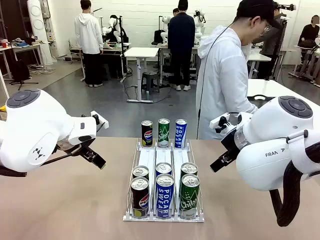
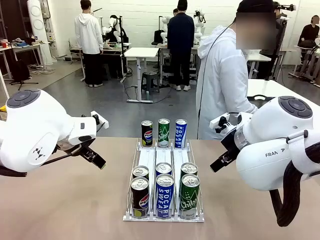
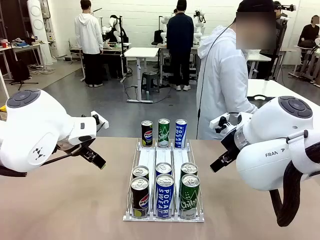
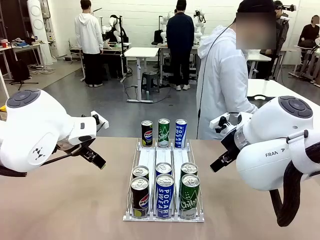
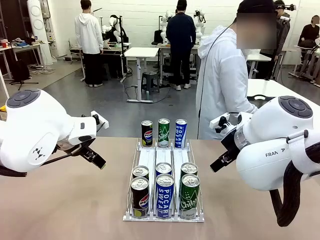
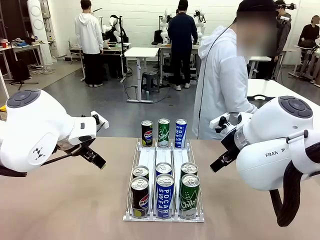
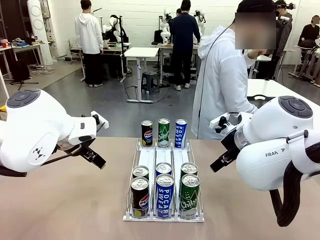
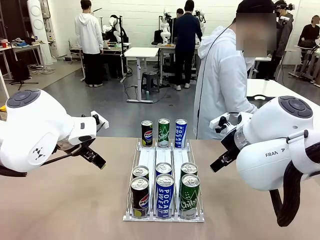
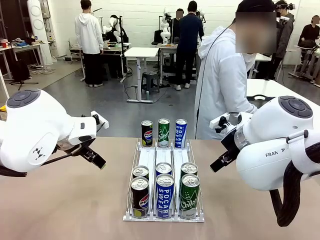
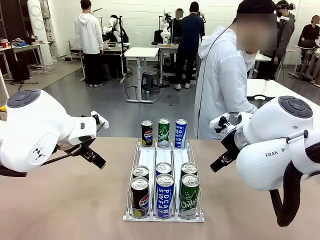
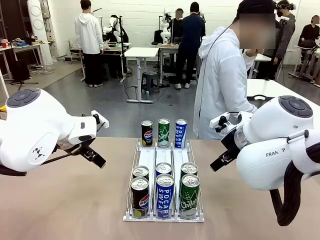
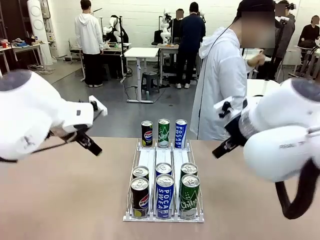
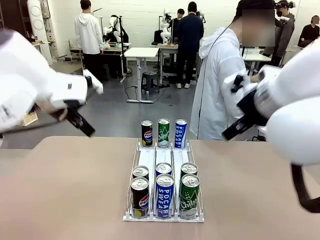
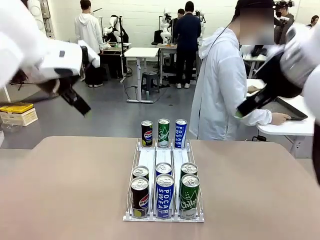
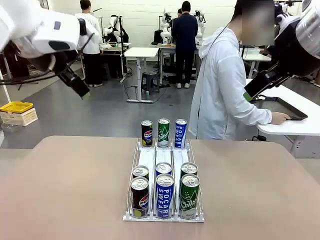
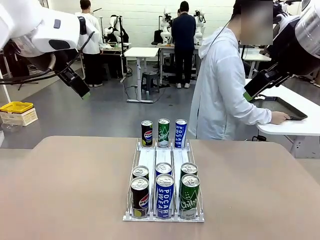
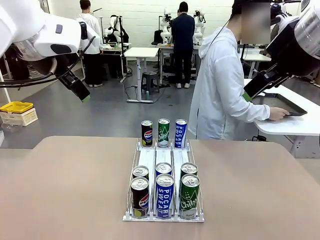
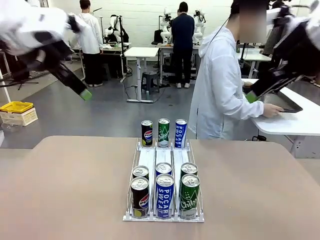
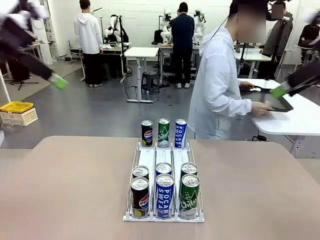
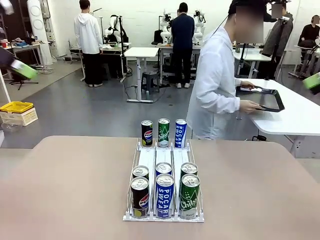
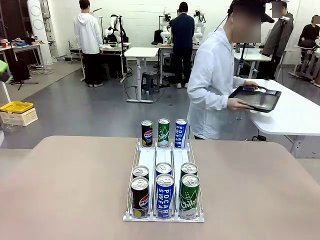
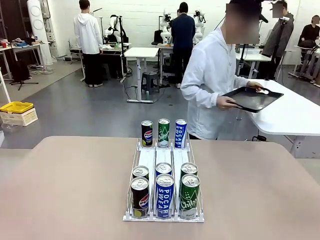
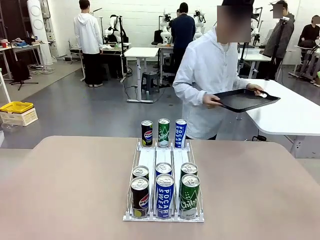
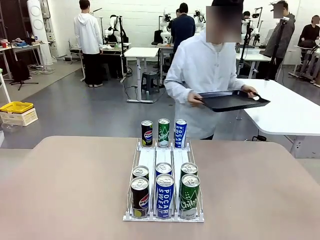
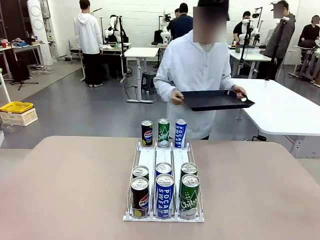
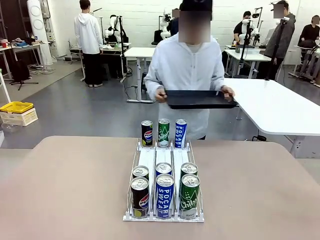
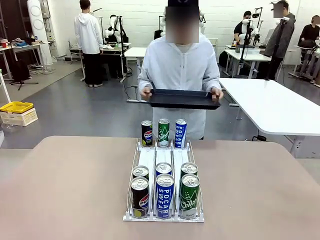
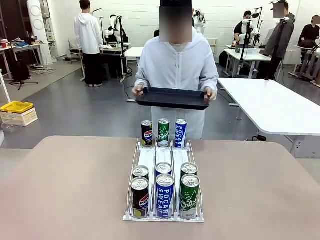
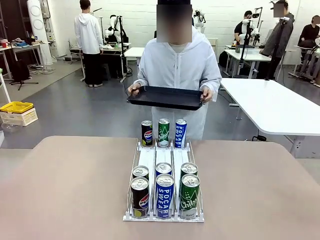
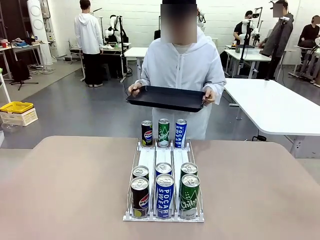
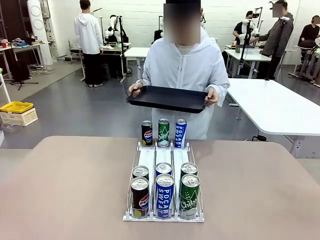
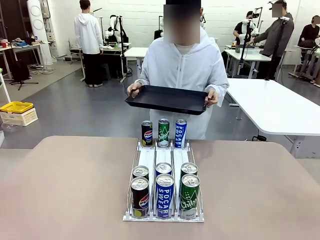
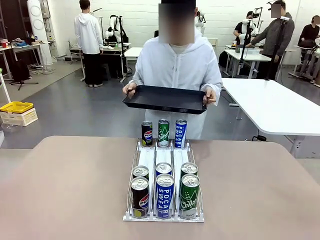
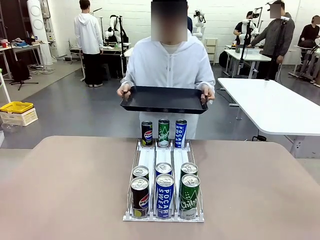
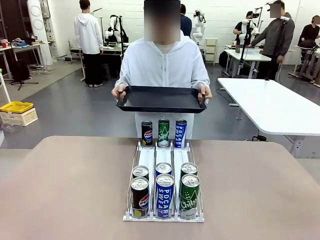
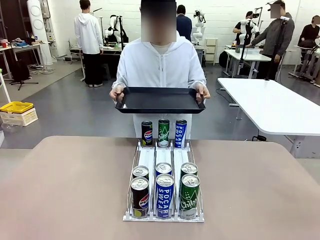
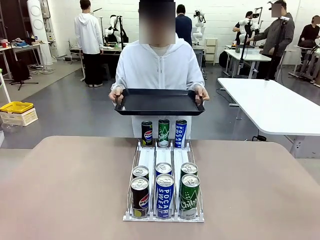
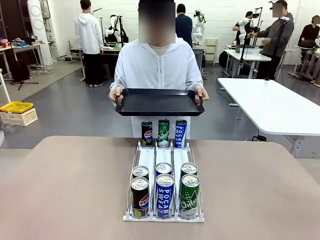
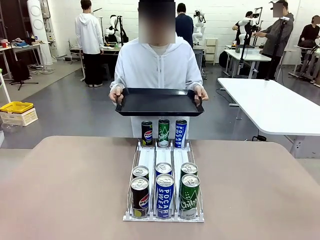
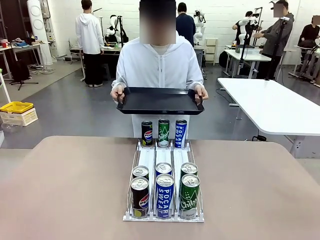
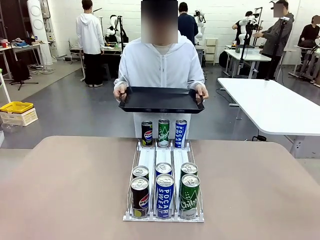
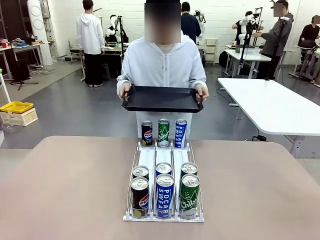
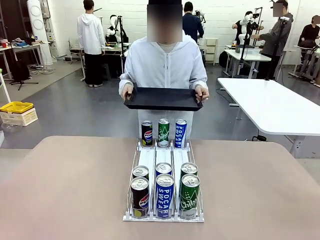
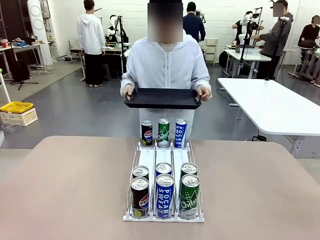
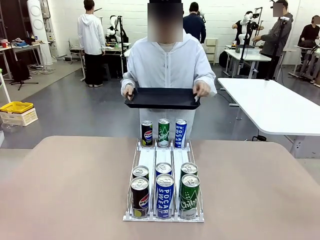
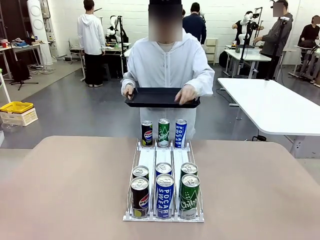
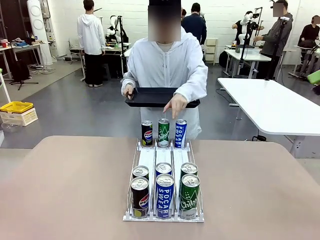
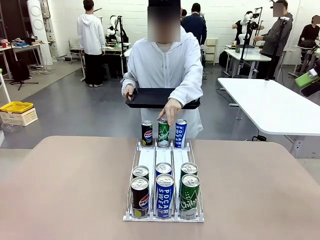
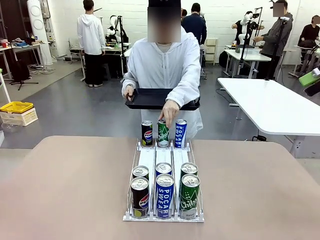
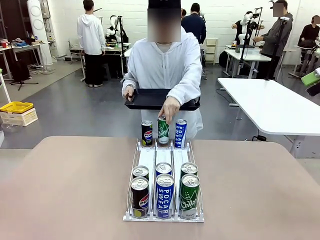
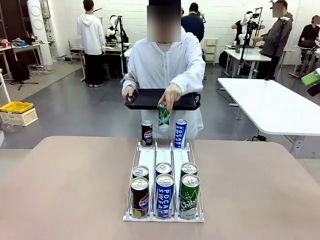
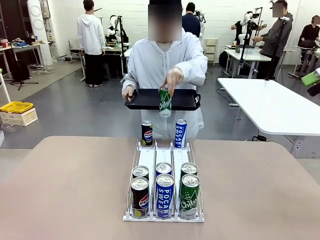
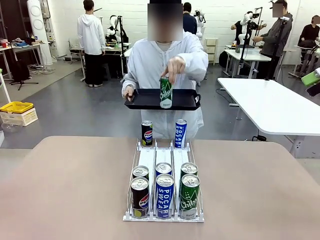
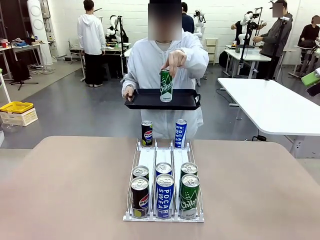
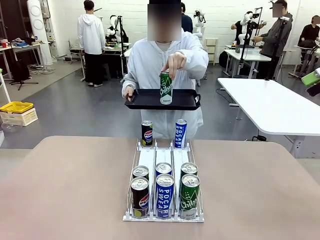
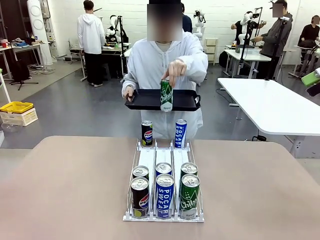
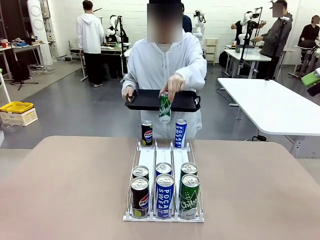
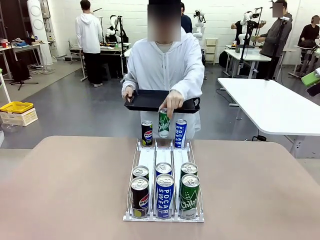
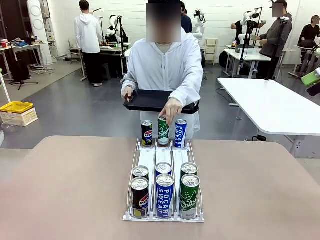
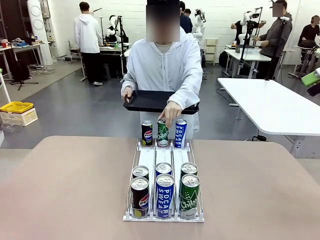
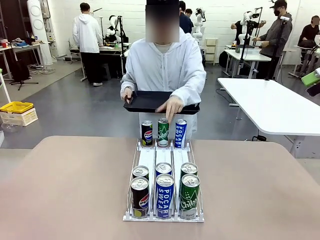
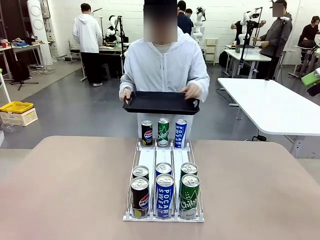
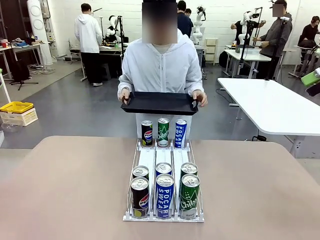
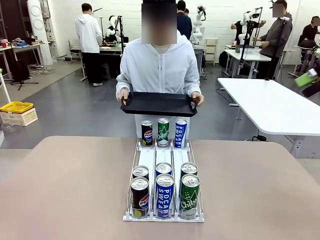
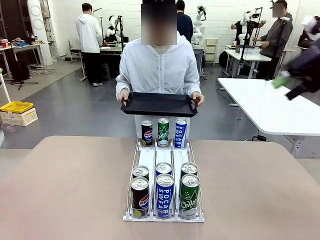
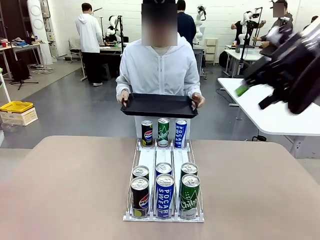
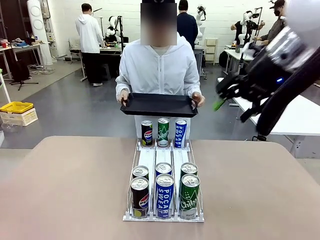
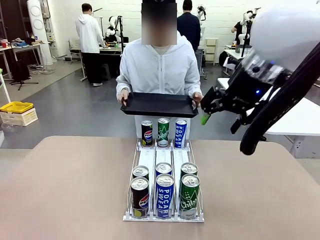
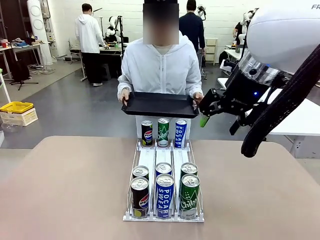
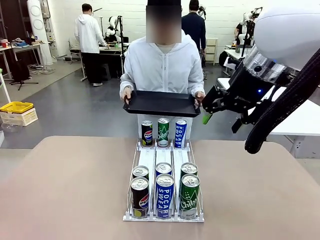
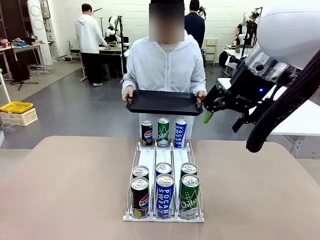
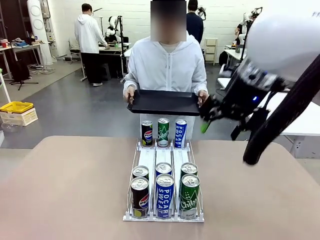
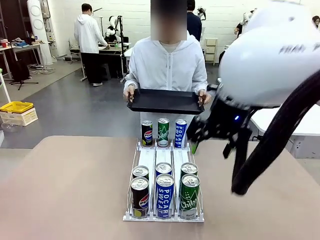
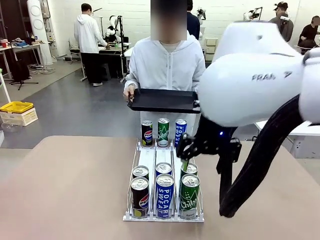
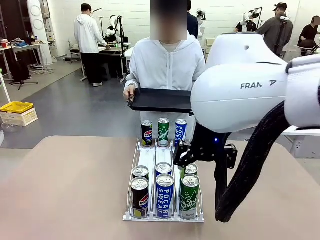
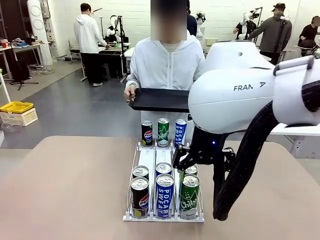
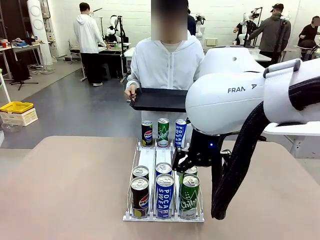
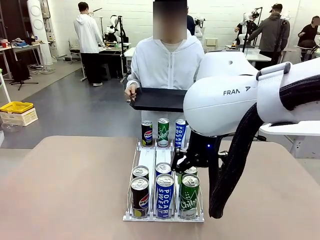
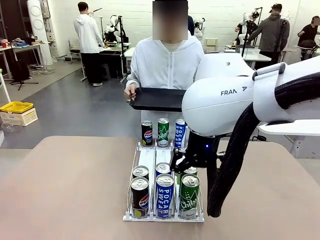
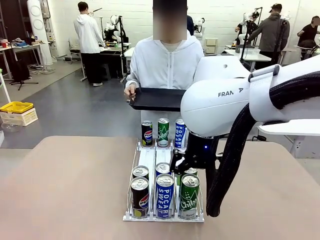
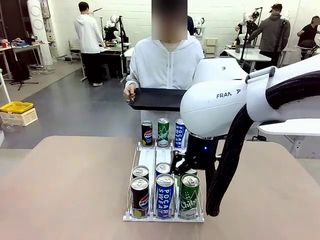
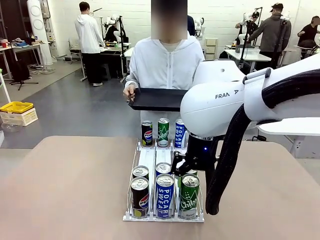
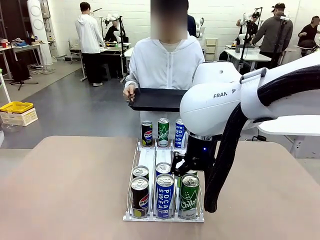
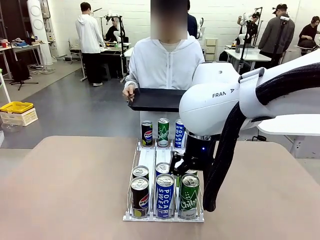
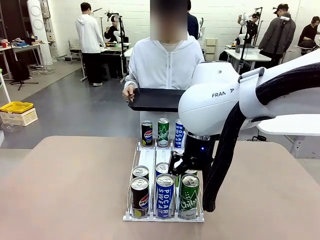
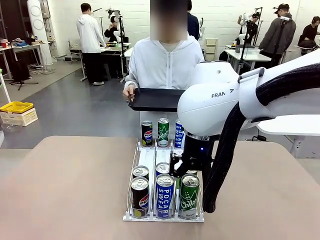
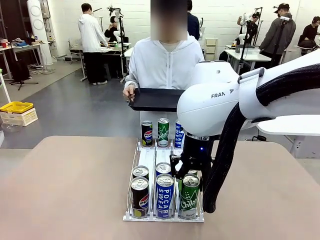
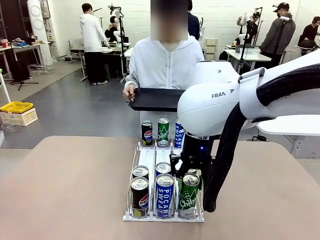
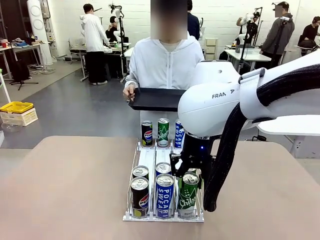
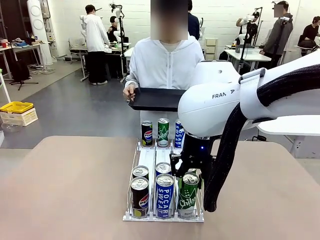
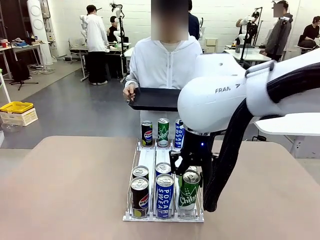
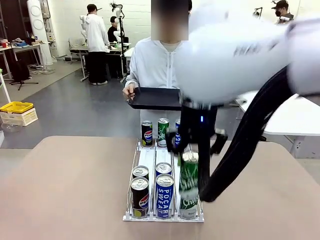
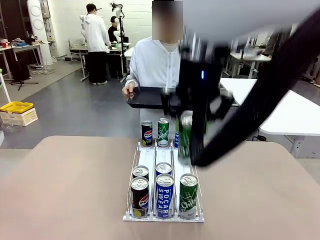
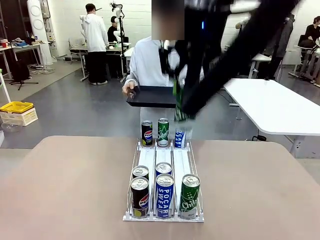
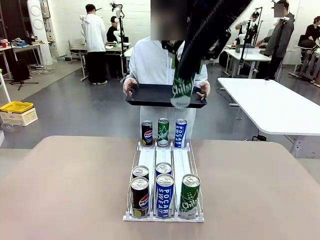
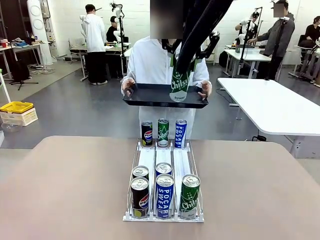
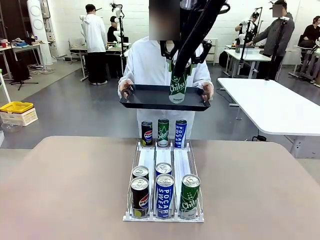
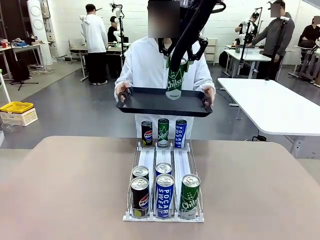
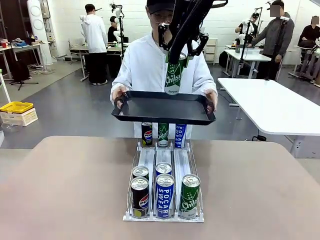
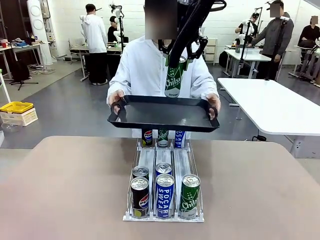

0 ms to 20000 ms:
Task: Retrieve and hand over the desired beverage to the person.
Robot: Pick up a can of the same type that the person held from the Automatic Can Dispenser.
Person: Hold the tray and position yourself in front of the robot table. Pick up one can from the bottom area of the table and puts it back in its original place. Push the tray toward the robot.
